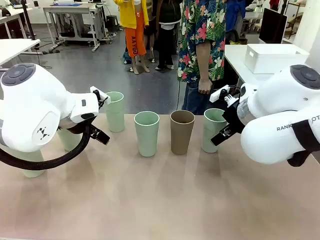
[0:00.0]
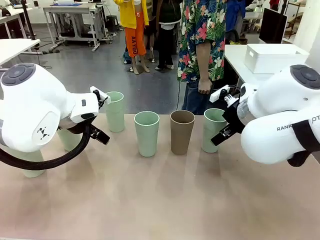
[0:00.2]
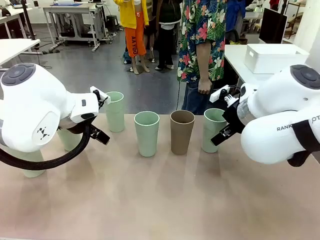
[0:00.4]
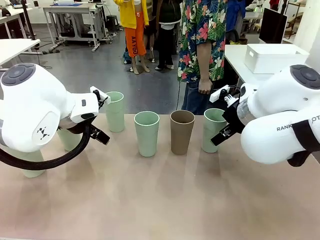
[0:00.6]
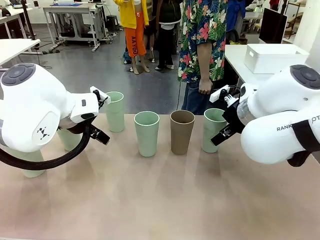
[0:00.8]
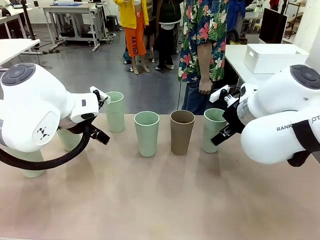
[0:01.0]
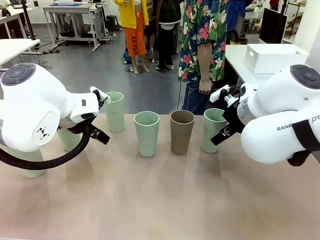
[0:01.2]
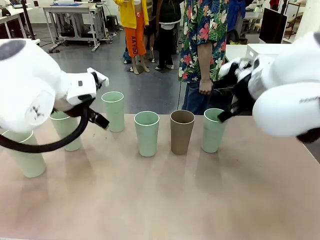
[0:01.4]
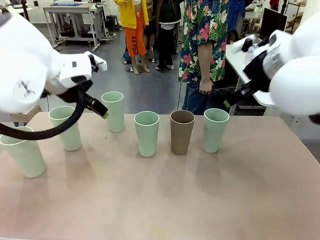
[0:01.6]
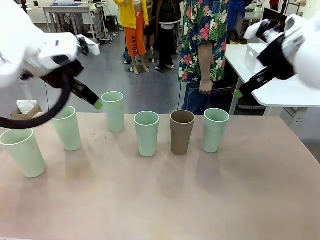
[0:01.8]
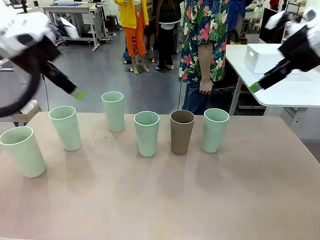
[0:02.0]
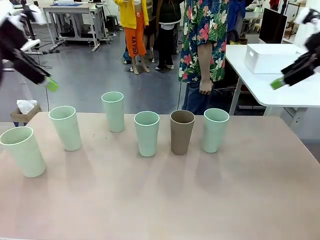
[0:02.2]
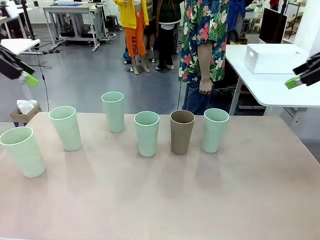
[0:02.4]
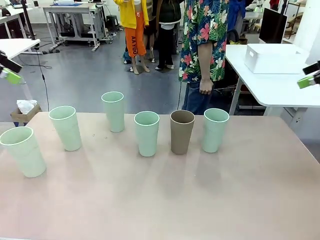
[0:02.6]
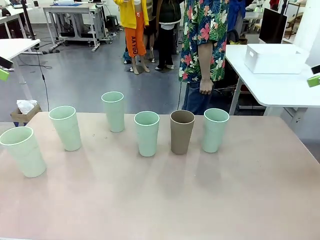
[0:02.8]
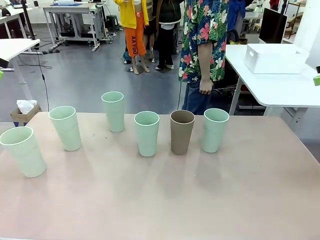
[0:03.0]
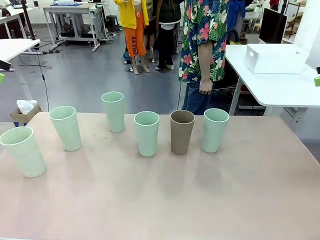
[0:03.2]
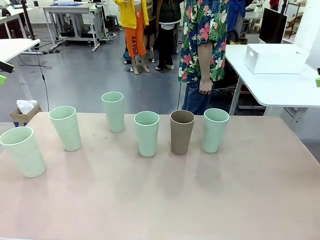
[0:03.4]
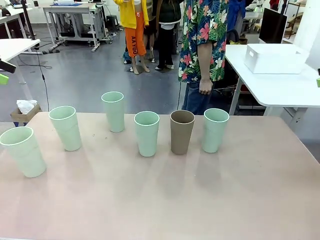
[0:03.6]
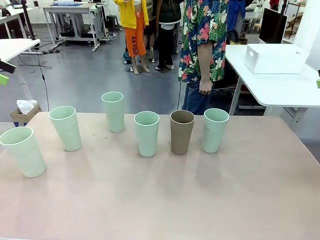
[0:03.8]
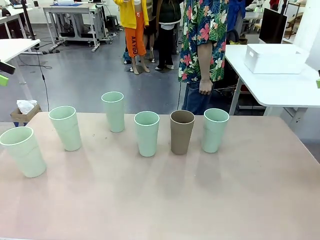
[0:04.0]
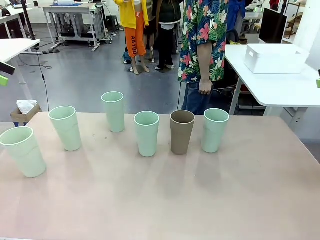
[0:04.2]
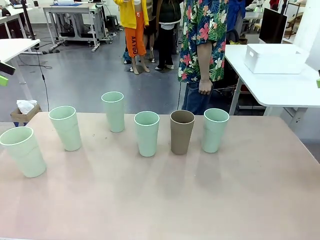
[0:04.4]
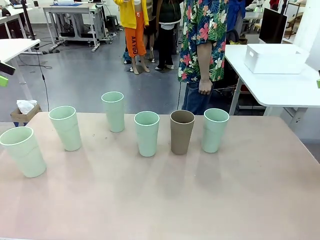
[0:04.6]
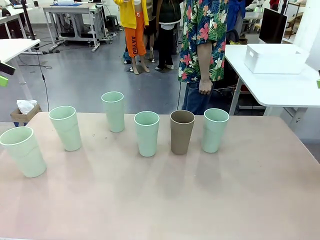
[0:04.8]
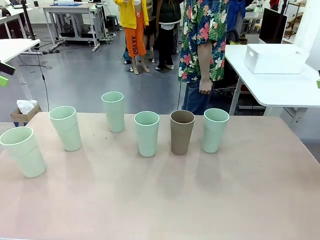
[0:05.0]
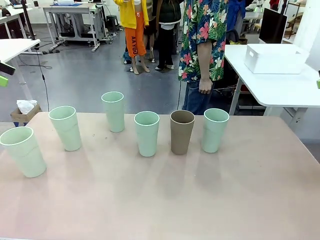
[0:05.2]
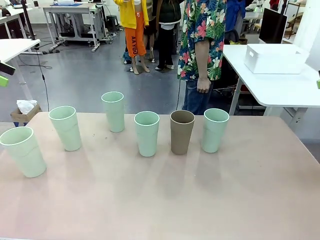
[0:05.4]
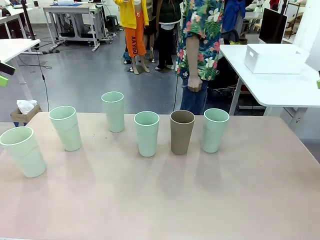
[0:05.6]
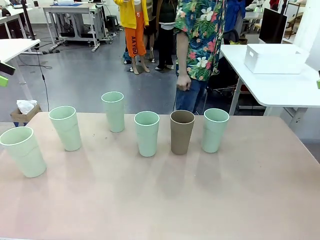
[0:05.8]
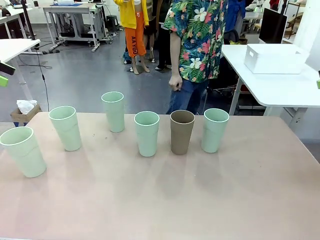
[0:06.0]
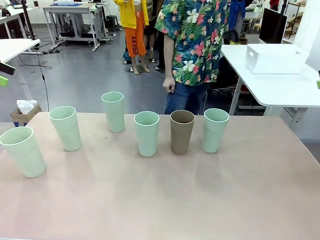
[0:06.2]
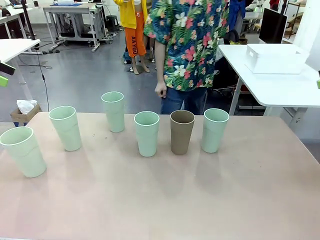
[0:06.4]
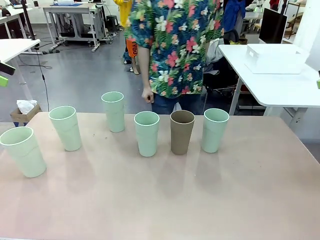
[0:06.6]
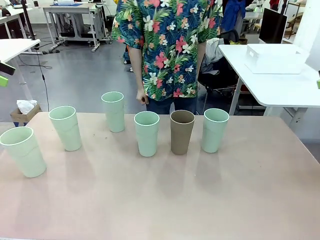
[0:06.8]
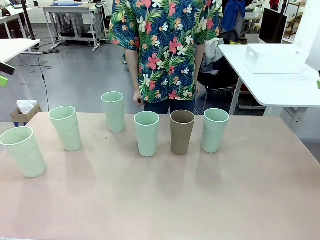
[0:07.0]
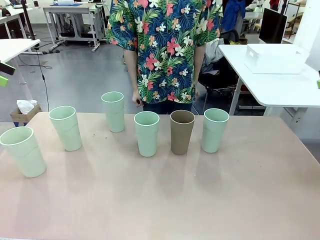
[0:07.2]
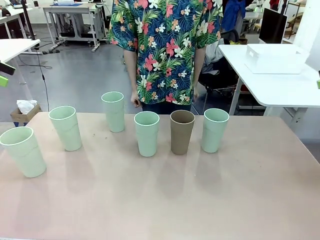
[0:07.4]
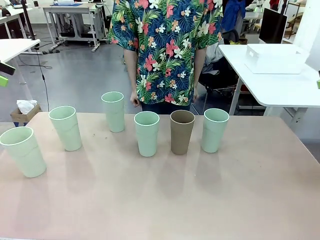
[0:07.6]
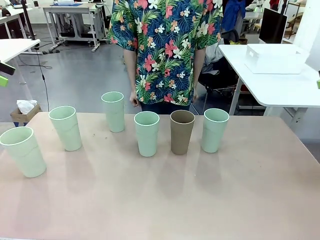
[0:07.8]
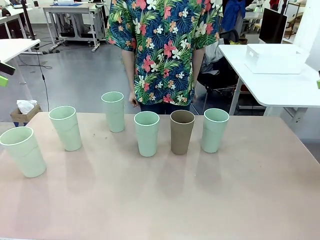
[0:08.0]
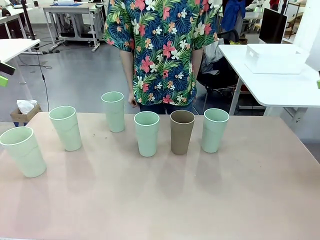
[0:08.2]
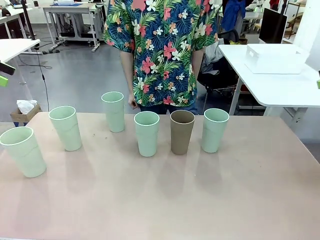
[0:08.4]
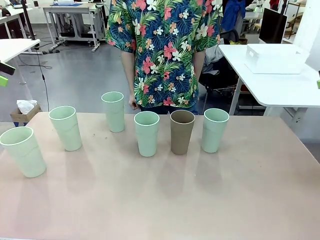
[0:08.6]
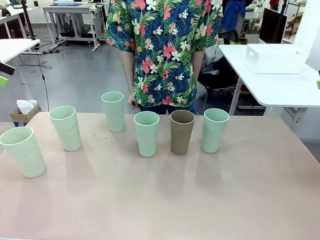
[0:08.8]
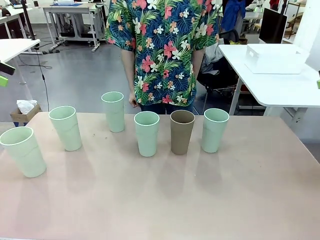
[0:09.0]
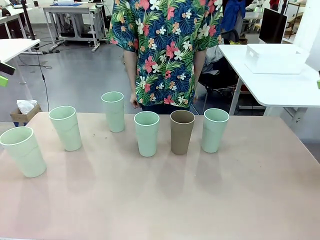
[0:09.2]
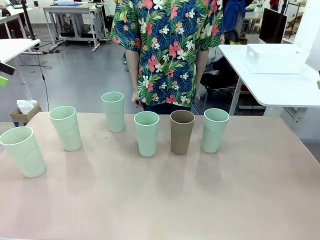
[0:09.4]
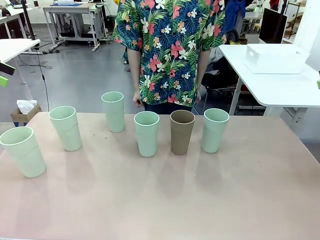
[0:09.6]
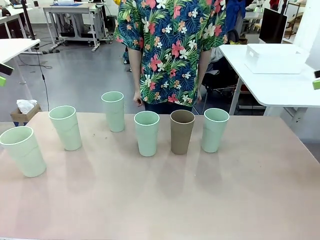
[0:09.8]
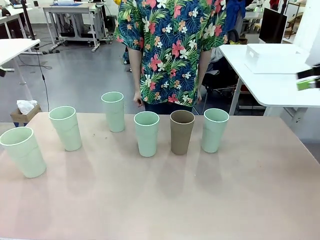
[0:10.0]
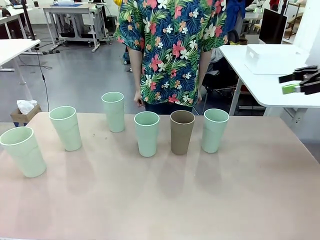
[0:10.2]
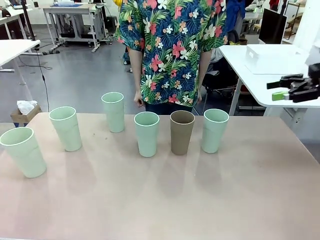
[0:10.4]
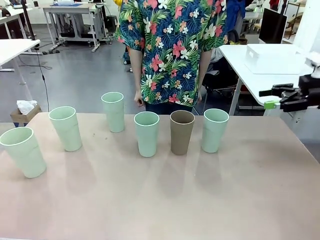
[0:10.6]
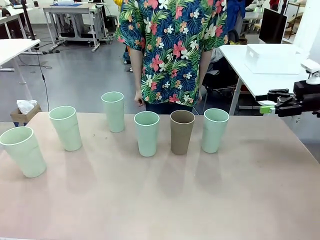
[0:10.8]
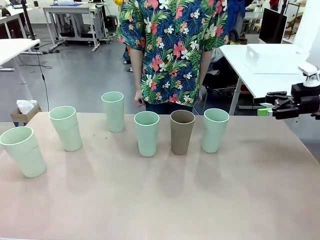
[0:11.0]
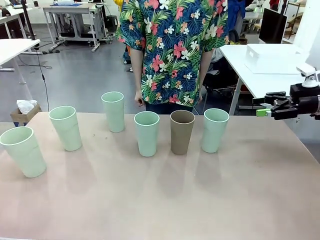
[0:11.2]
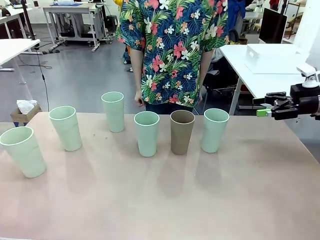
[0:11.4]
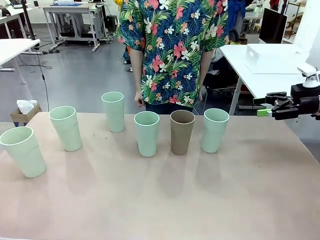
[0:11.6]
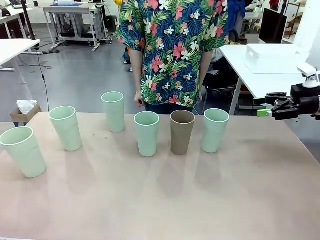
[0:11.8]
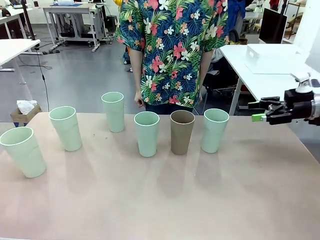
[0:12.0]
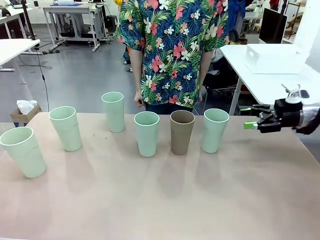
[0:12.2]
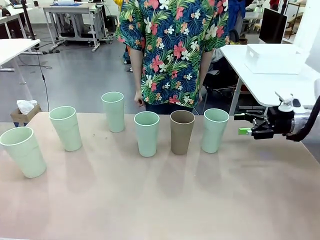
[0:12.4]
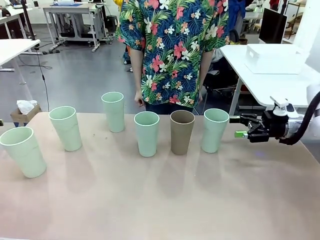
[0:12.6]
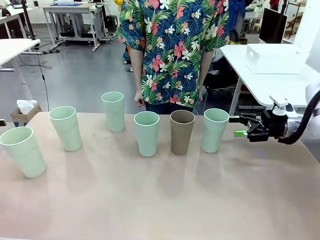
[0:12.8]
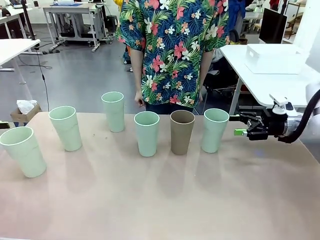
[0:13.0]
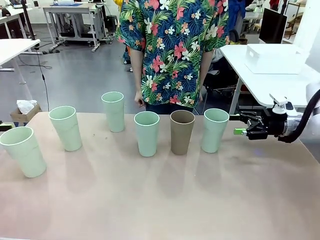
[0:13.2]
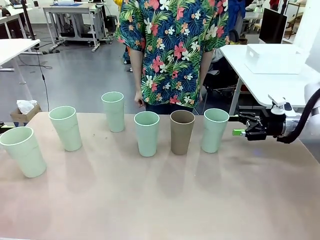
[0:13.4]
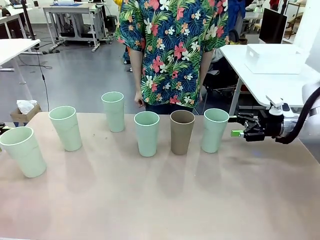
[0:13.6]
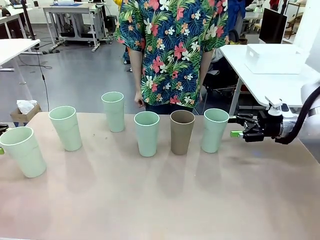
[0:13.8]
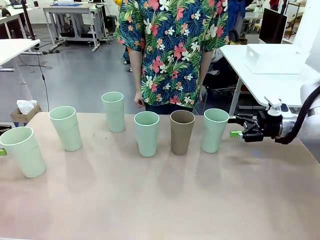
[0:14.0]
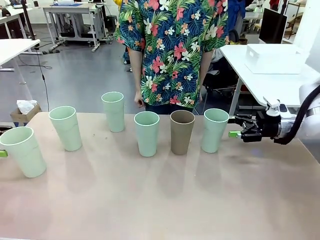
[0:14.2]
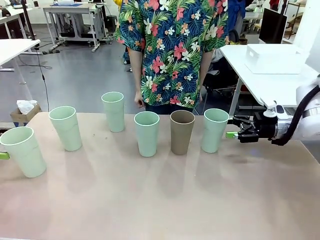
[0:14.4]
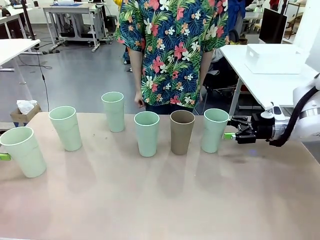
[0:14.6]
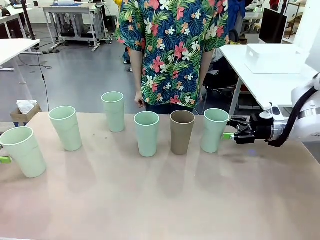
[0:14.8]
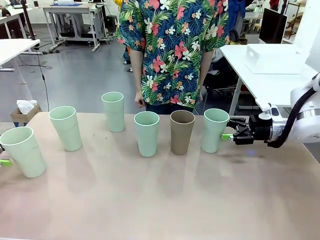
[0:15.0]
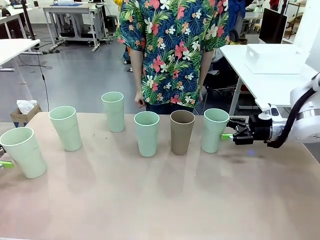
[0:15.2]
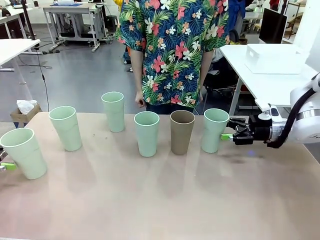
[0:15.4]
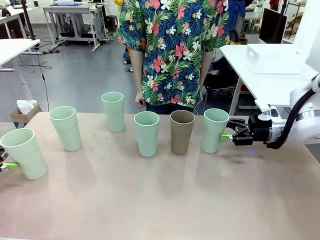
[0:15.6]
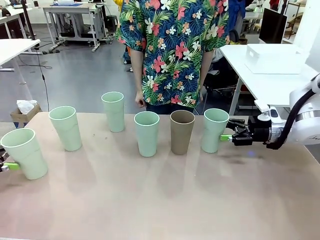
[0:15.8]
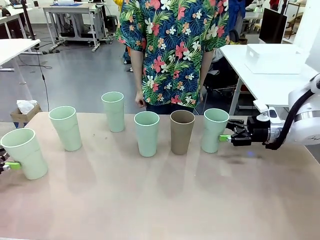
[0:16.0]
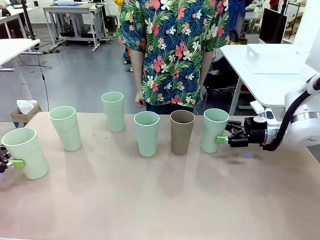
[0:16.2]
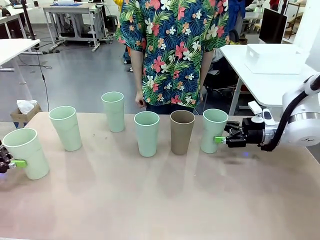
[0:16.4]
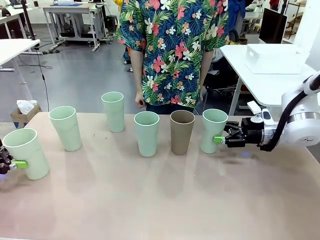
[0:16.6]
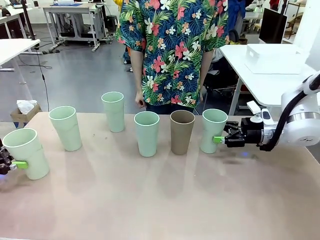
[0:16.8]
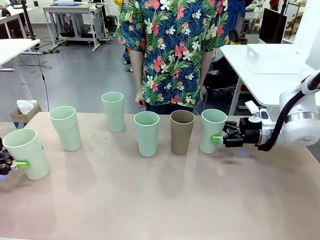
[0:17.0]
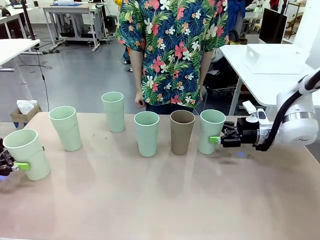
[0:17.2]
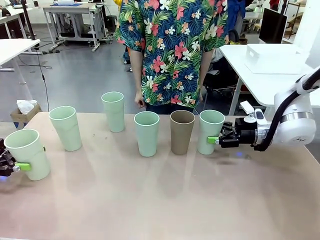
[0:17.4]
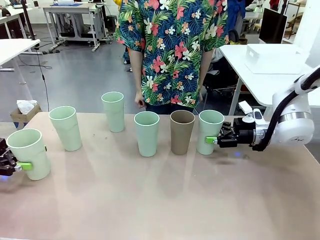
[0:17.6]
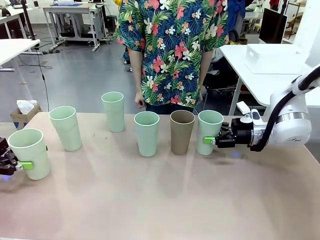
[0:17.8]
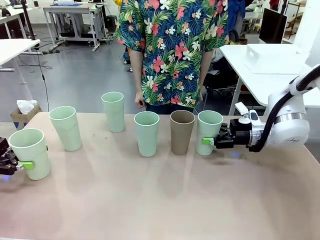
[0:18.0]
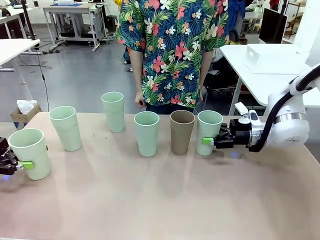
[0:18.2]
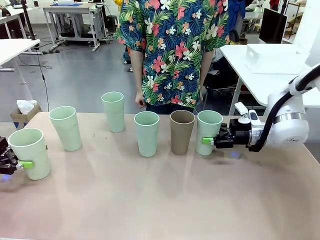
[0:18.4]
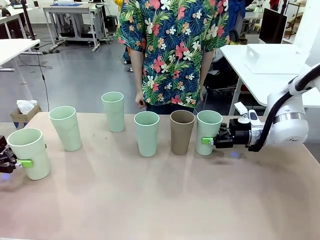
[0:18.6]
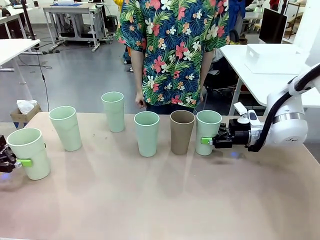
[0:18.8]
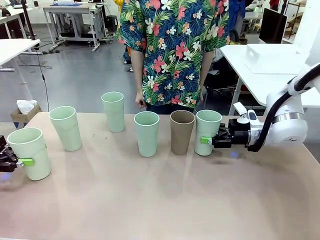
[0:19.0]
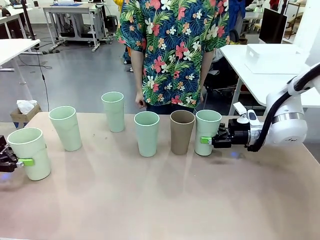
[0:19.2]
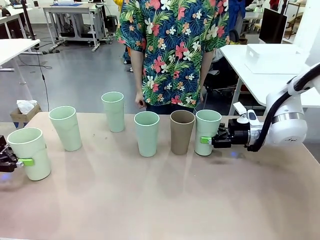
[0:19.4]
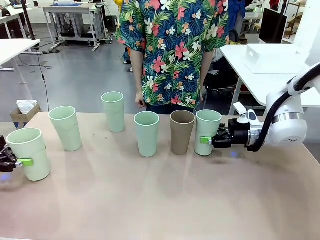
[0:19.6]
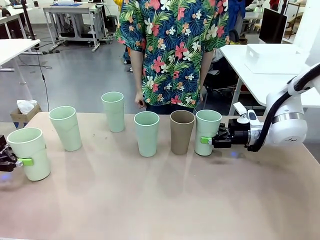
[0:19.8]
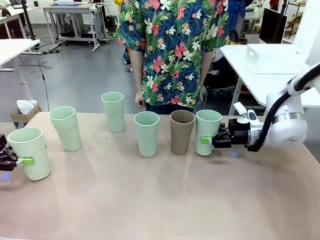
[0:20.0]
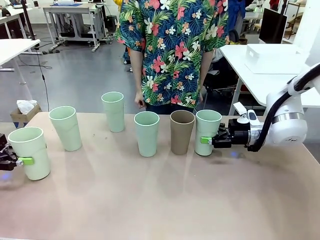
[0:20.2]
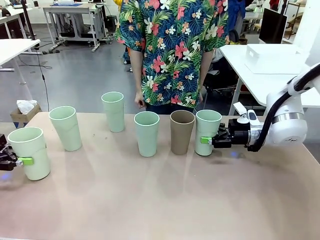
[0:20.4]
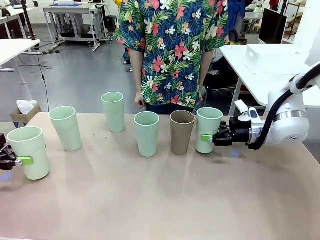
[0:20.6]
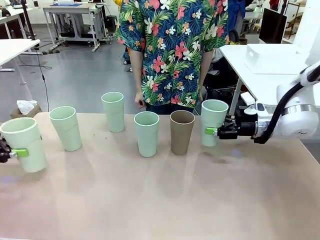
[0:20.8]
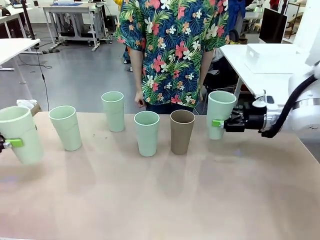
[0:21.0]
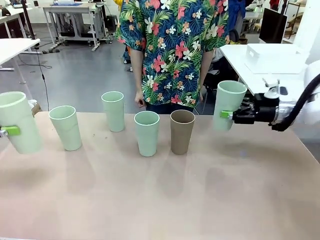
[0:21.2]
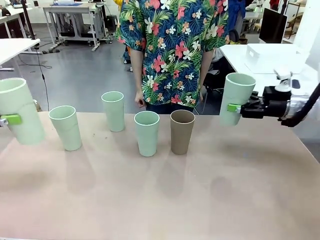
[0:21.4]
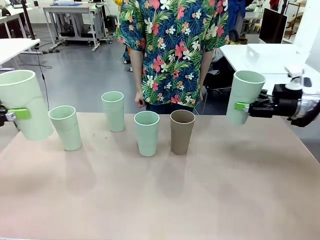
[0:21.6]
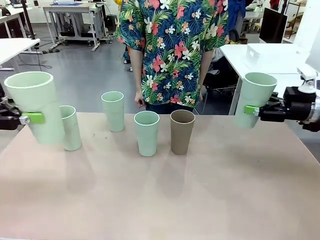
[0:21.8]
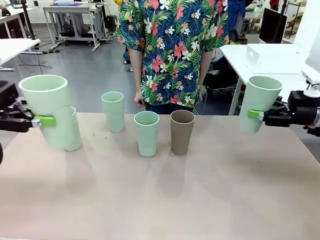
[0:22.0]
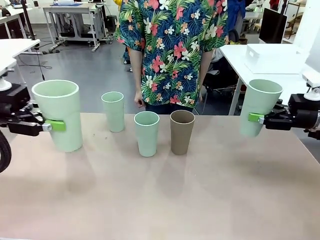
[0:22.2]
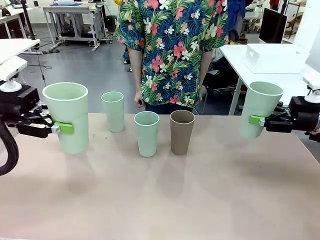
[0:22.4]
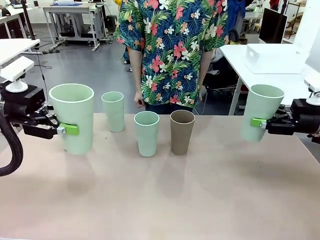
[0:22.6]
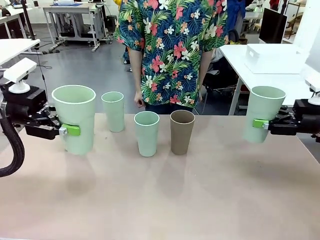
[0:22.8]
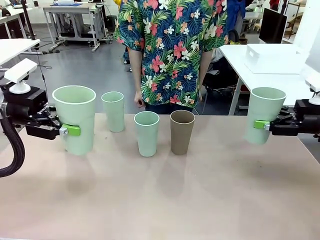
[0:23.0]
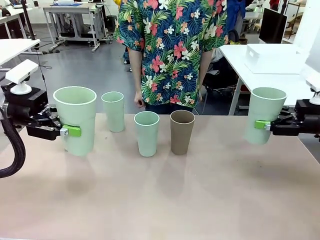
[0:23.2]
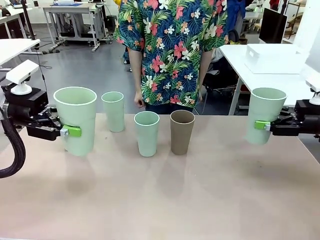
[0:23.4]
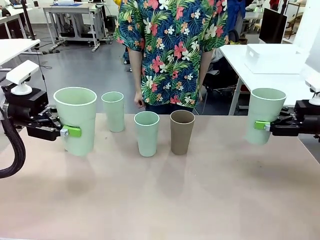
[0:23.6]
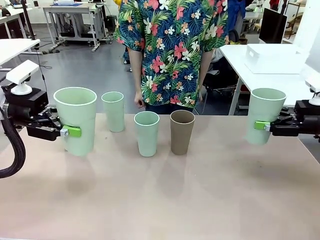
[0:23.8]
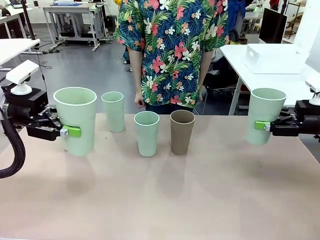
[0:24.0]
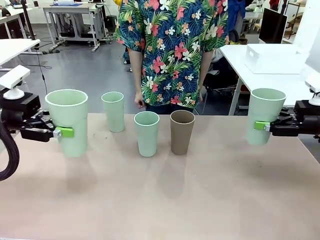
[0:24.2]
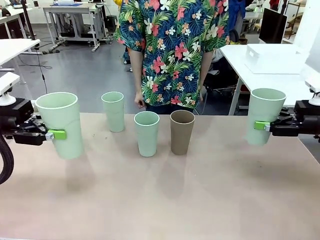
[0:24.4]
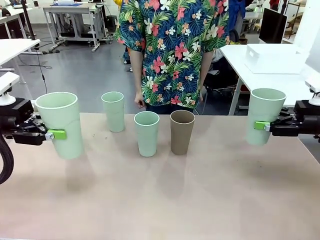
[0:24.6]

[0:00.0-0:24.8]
Task: Stack the cups and store them in the basket.
Robot: Pick up two Reusable plastic cups , one in each hand.
Person: Move from the Human Table to the front of the Robot Table. Stack two of the remaining cups on top of each cup held by the robot.
